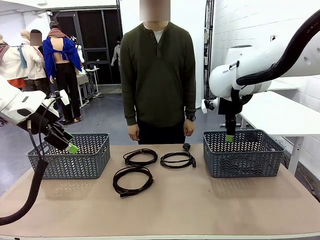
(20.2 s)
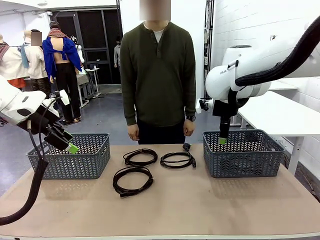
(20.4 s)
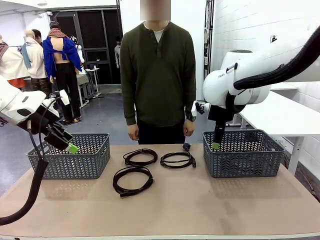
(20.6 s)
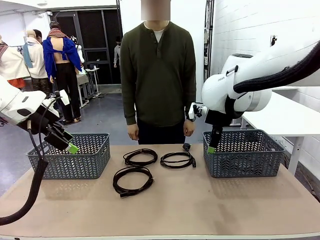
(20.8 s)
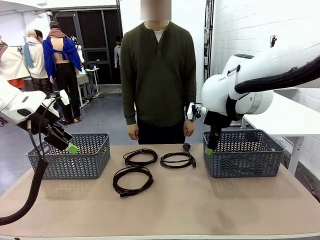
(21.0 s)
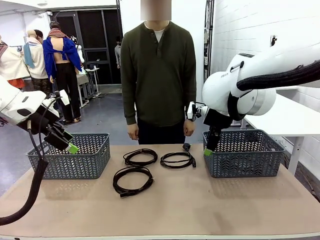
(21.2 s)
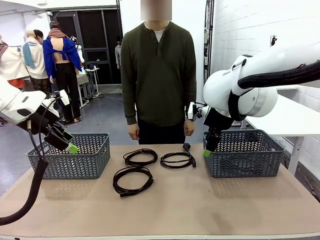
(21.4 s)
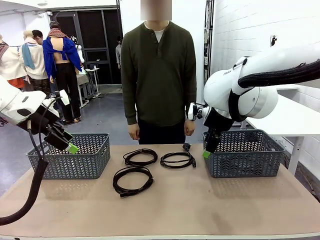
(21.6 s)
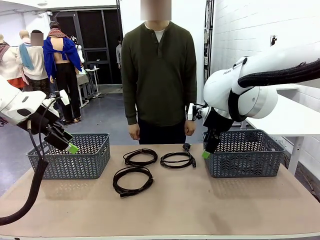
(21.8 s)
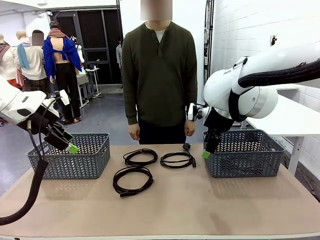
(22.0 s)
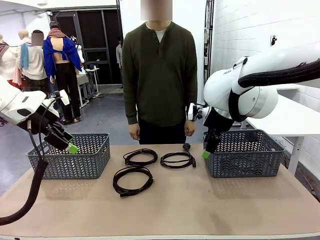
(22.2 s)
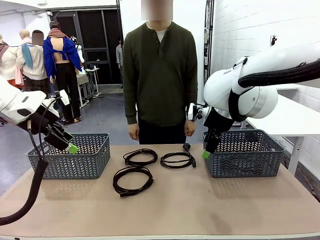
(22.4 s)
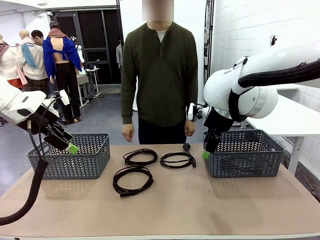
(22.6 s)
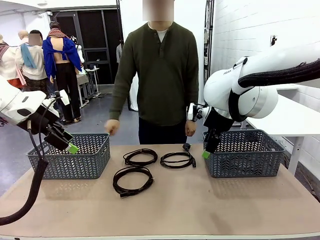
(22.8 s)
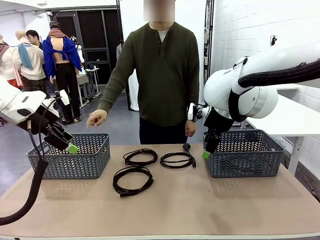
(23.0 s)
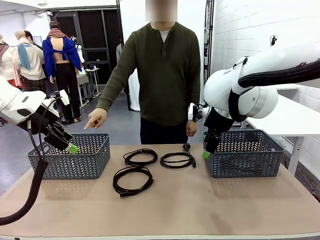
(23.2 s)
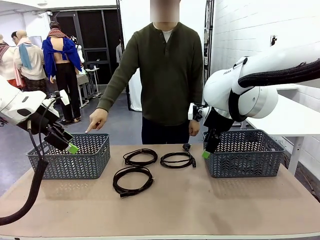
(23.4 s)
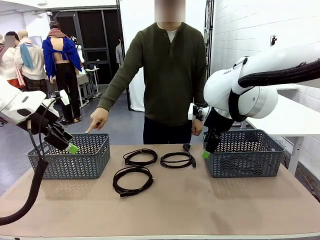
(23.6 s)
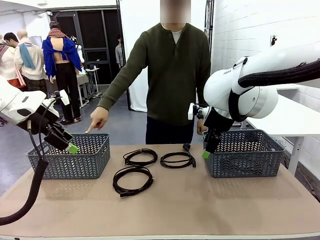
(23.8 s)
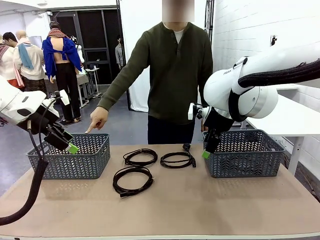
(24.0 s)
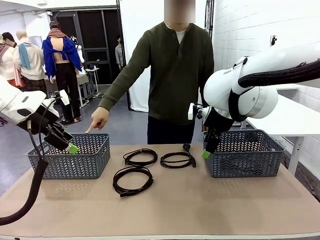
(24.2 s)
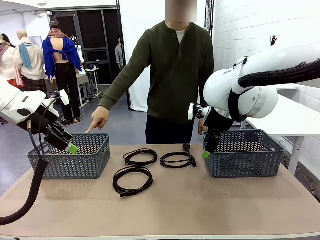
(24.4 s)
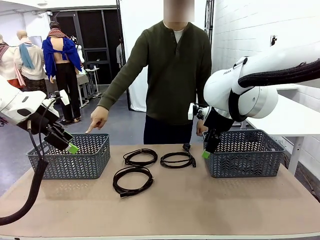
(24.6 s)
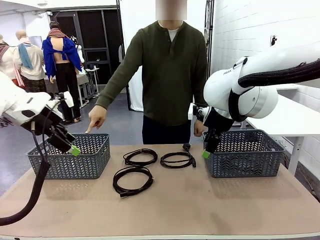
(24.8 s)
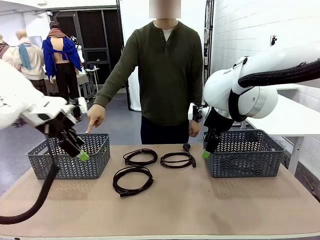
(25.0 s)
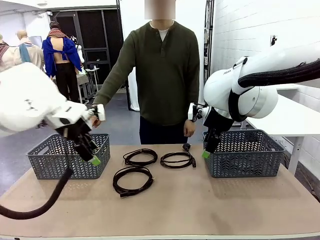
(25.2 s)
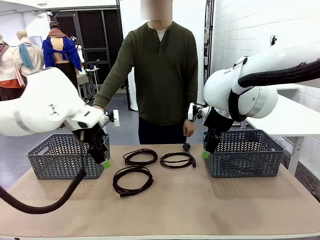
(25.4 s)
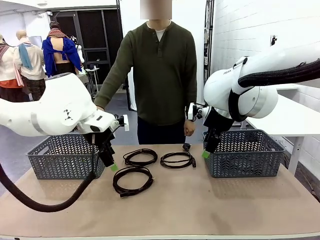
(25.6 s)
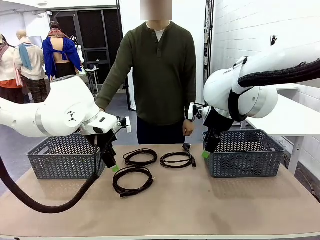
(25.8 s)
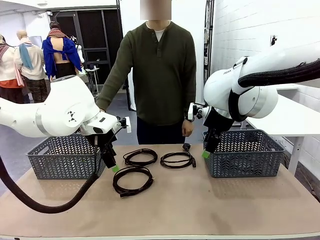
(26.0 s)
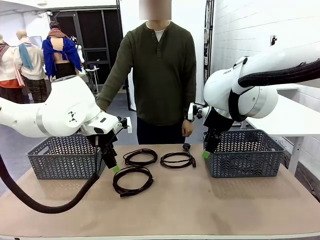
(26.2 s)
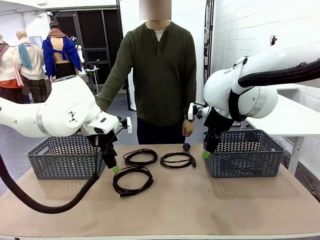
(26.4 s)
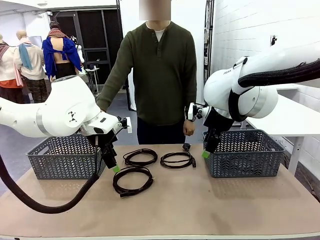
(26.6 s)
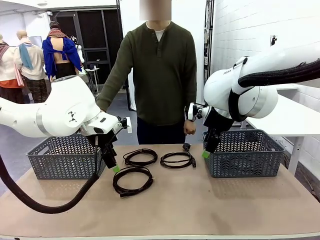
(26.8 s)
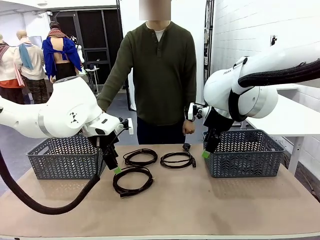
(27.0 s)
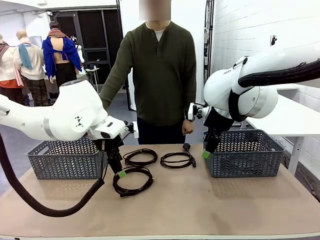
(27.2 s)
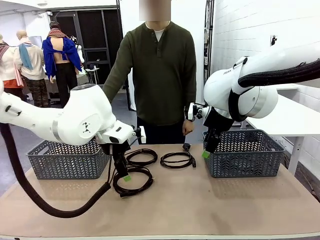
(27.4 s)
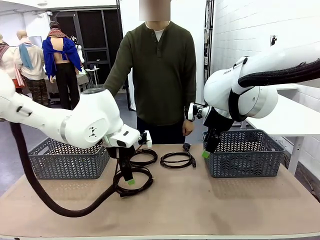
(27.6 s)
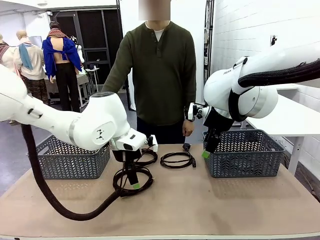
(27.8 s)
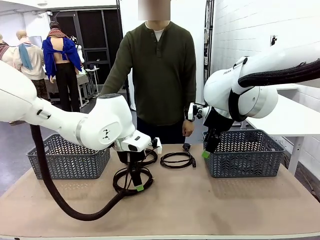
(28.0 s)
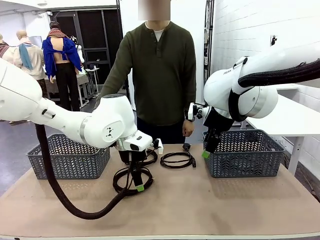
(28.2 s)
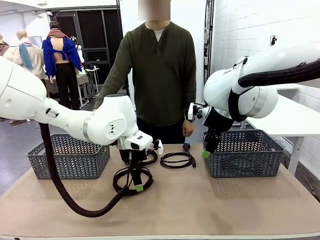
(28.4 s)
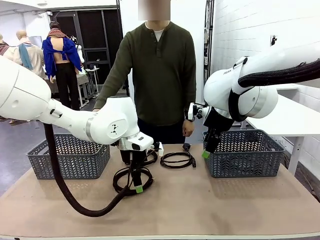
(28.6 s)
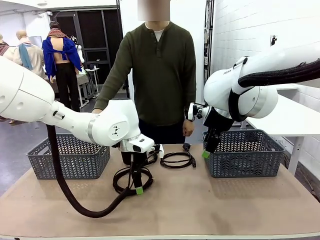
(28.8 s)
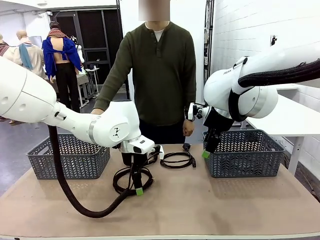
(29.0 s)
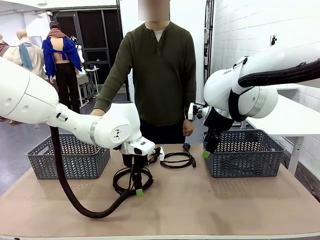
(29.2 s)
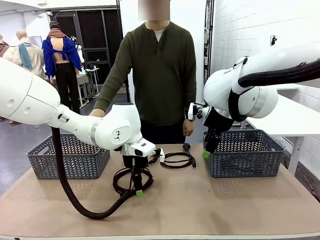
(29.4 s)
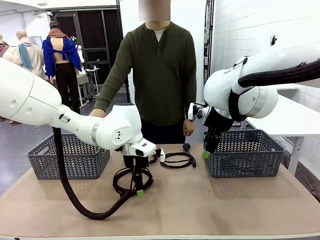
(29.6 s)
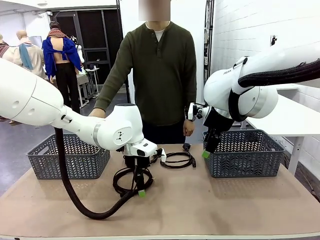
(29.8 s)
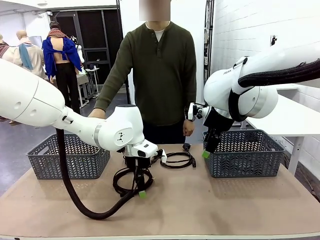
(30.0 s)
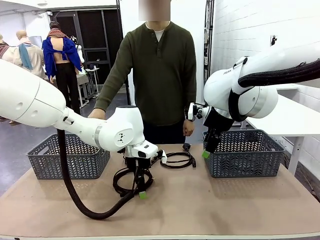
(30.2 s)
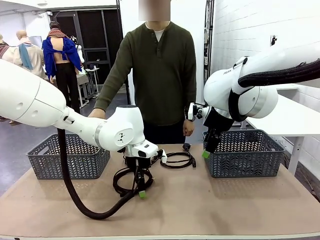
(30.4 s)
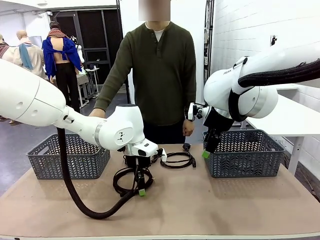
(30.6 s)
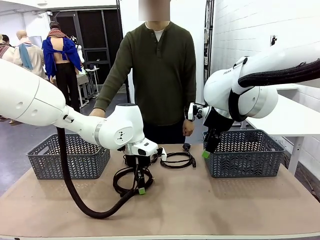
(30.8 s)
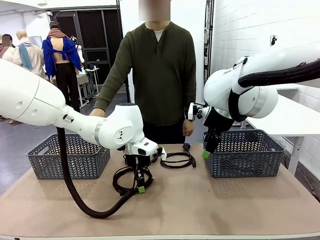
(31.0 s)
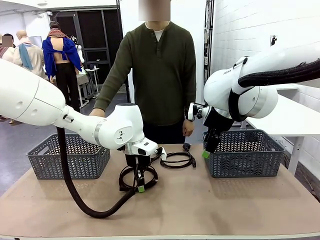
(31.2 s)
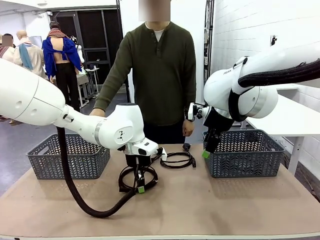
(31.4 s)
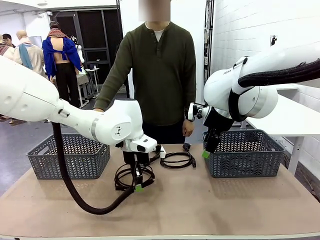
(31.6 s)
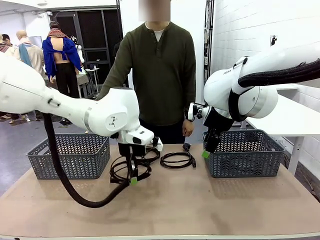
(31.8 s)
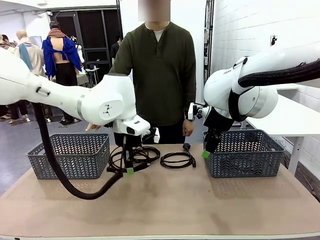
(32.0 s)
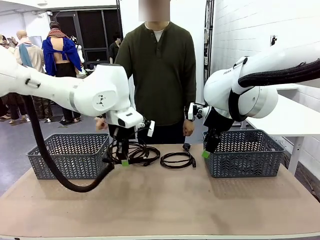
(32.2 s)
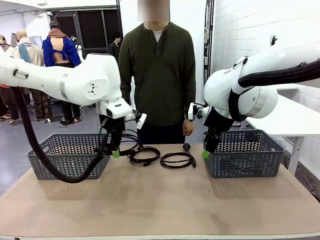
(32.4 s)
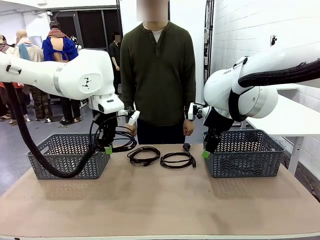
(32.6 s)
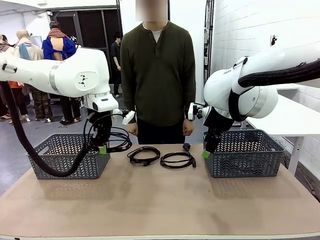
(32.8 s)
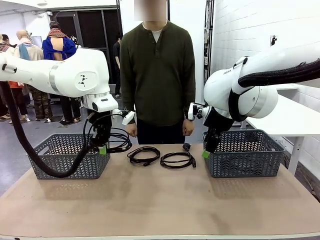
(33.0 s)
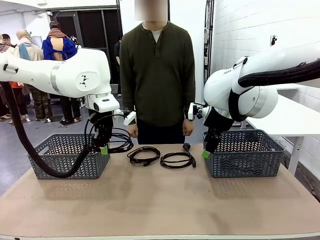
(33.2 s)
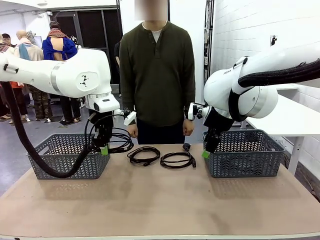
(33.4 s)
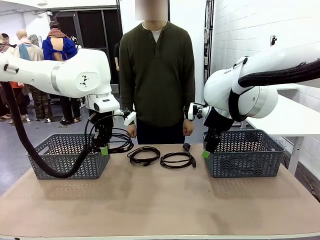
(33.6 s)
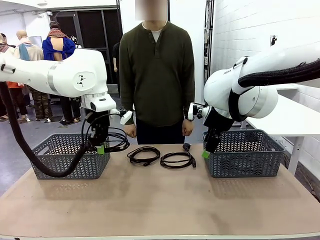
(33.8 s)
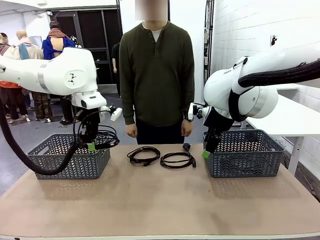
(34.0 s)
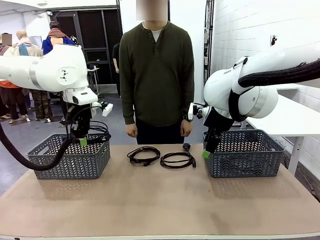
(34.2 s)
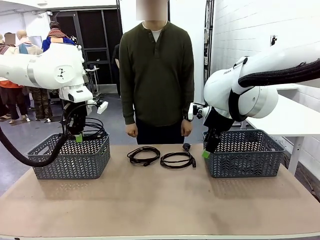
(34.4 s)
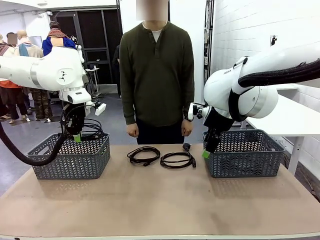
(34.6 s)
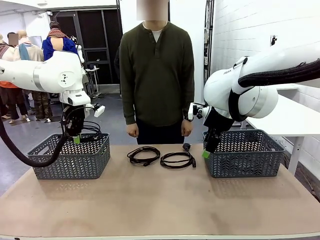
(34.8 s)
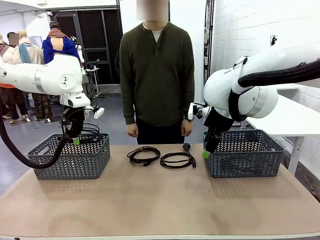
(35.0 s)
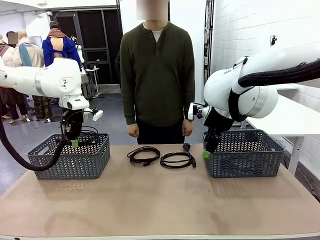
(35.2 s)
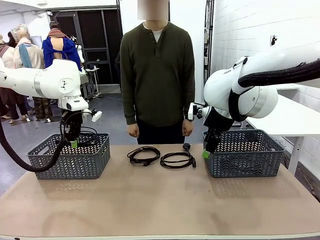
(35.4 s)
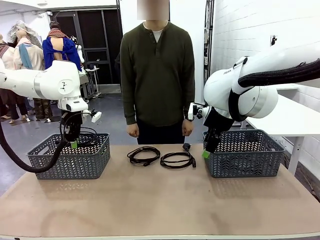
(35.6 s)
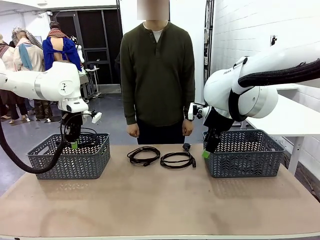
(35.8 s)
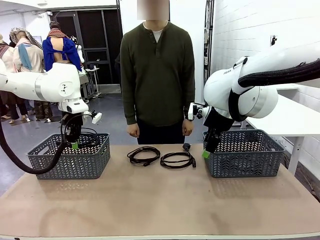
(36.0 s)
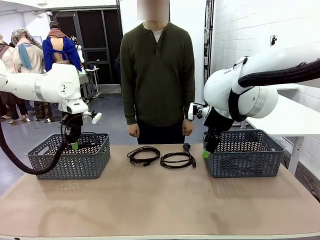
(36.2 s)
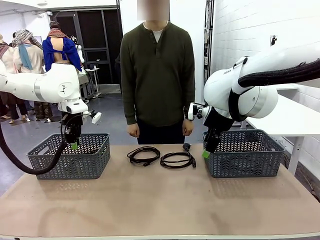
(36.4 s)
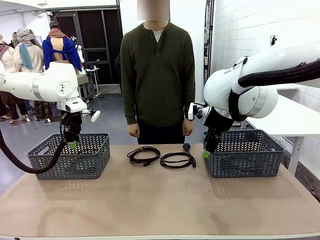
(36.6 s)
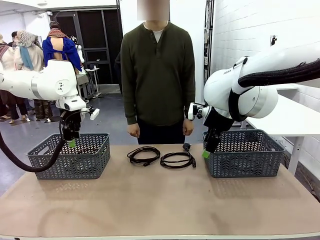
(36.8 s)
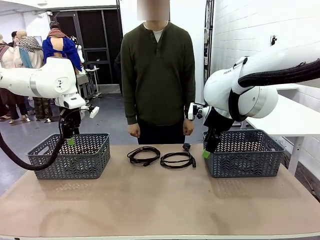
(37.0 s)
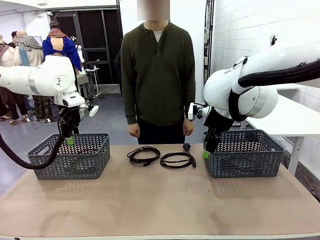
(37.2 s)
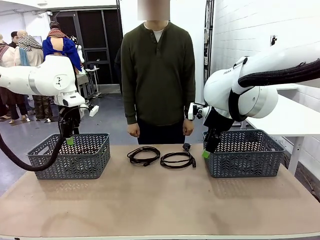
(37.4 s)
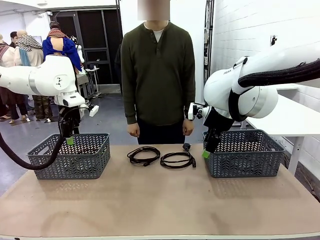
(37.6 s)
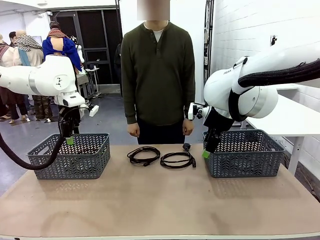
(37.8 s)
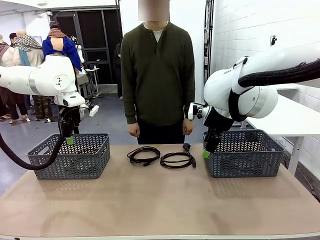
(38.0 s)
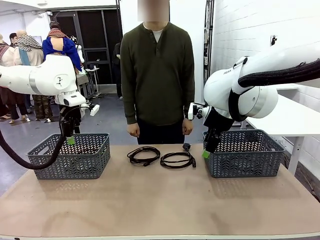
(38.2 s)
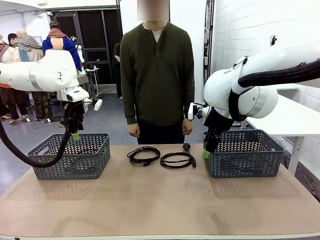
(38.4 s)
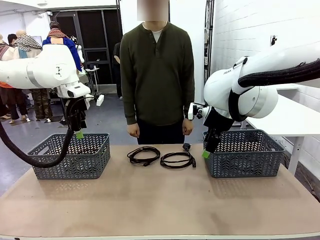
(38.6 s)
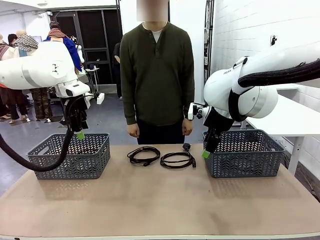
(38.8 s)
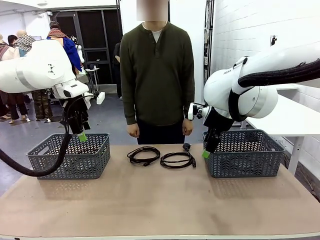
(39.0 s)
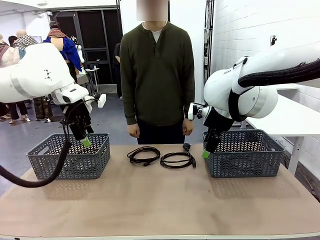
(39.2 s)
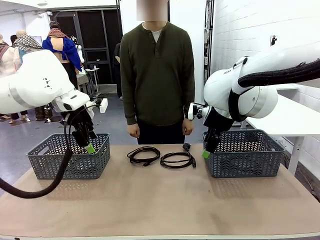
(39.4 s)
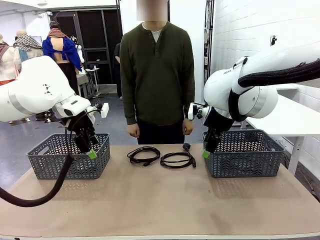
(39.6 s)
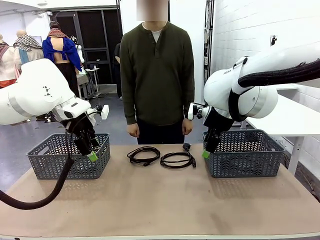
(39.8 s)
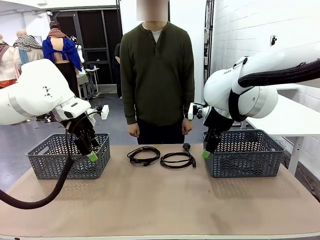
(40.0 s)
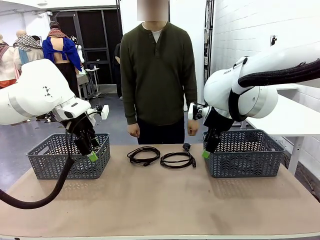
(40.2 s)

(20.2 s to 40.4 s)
Task: Organize the cables according to human instructions.
Robot: Pick up a bundle of cables and place it in the basket indicated by the human.
